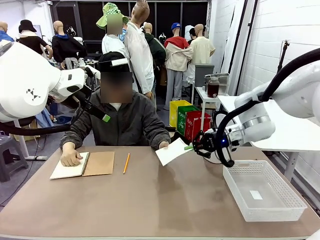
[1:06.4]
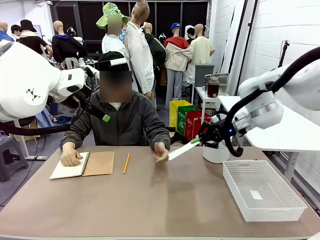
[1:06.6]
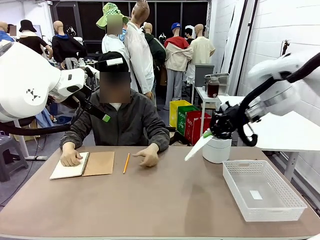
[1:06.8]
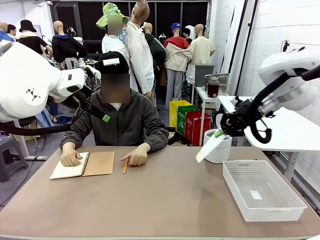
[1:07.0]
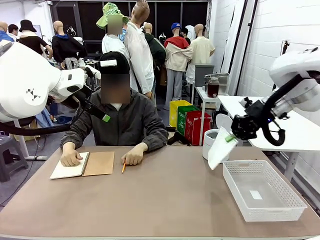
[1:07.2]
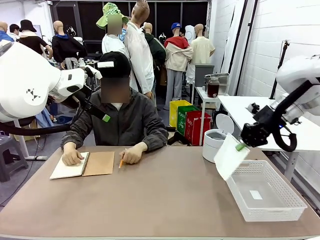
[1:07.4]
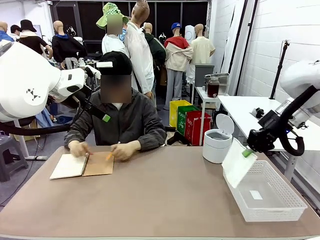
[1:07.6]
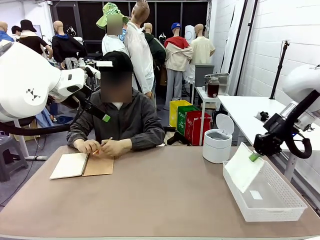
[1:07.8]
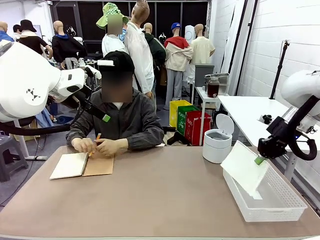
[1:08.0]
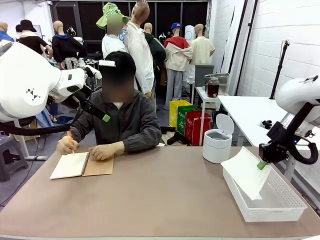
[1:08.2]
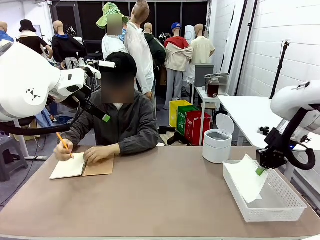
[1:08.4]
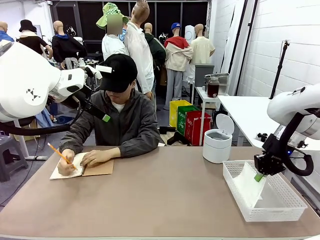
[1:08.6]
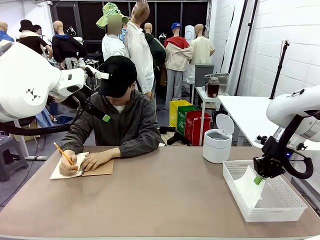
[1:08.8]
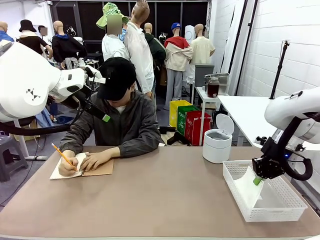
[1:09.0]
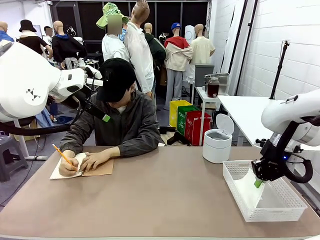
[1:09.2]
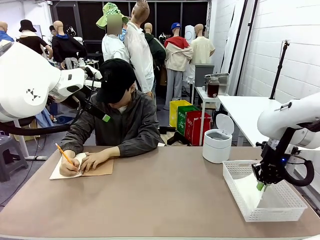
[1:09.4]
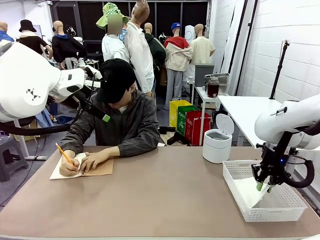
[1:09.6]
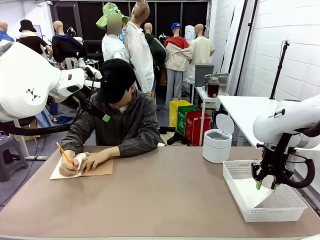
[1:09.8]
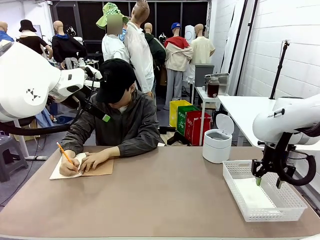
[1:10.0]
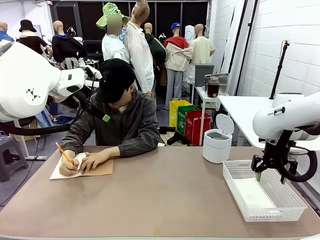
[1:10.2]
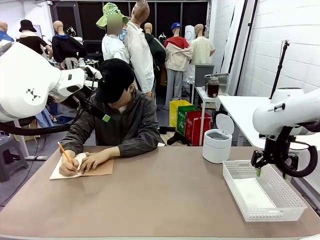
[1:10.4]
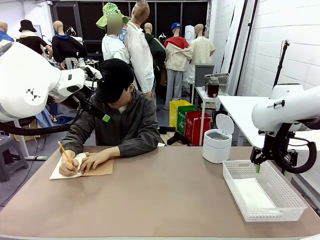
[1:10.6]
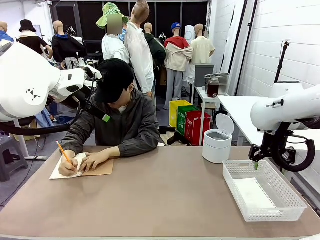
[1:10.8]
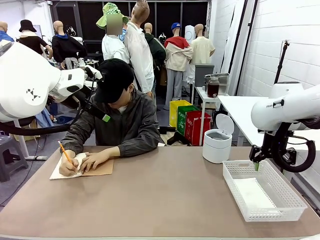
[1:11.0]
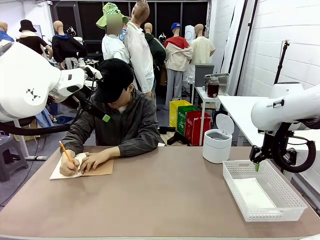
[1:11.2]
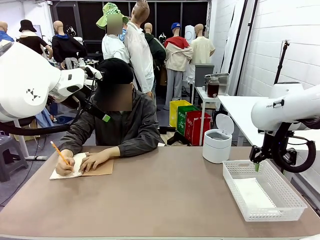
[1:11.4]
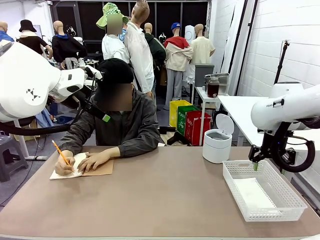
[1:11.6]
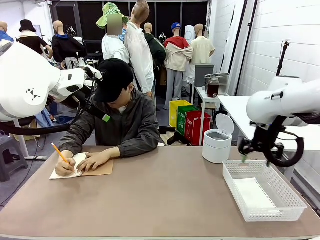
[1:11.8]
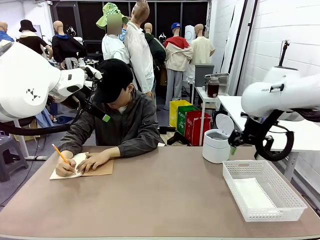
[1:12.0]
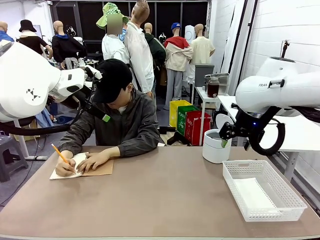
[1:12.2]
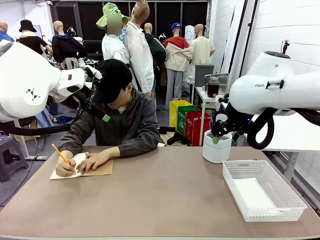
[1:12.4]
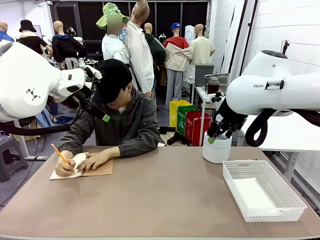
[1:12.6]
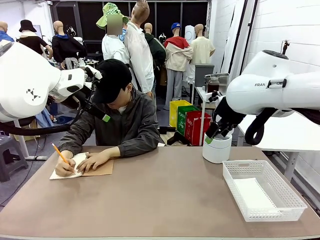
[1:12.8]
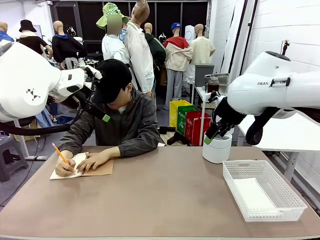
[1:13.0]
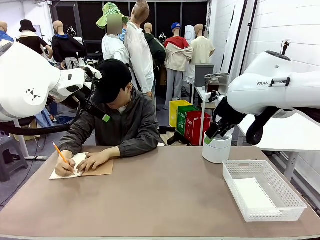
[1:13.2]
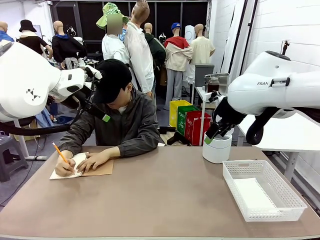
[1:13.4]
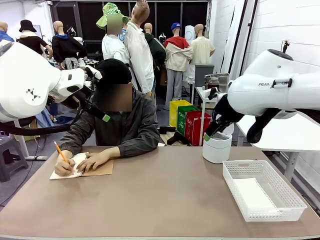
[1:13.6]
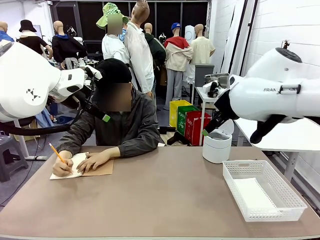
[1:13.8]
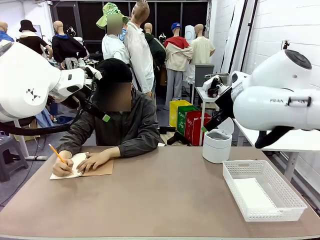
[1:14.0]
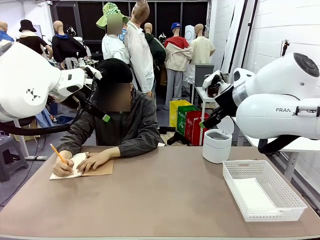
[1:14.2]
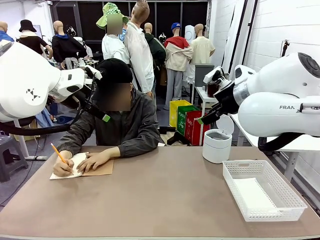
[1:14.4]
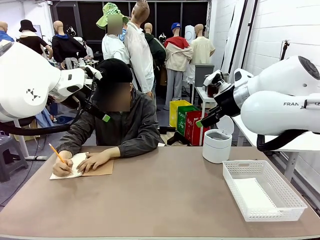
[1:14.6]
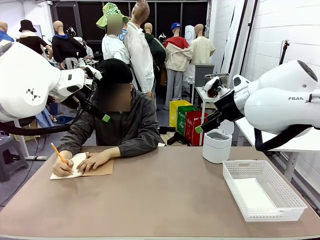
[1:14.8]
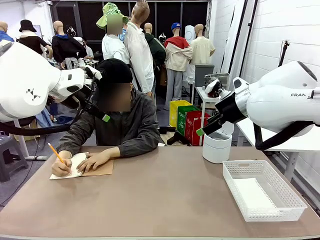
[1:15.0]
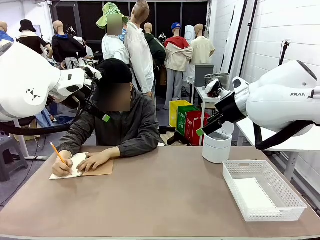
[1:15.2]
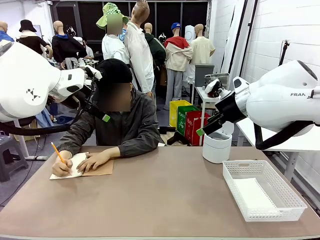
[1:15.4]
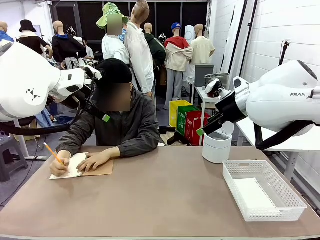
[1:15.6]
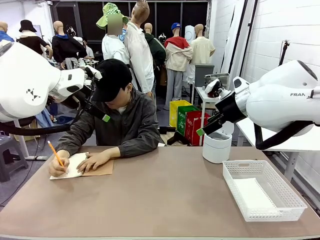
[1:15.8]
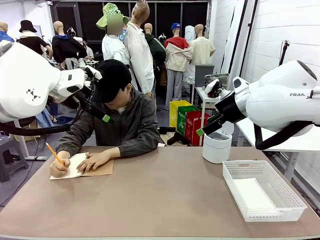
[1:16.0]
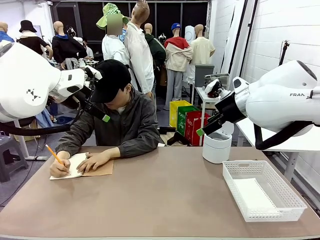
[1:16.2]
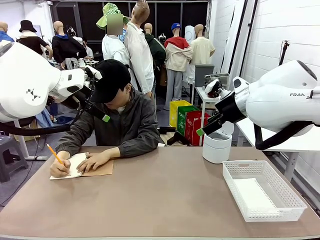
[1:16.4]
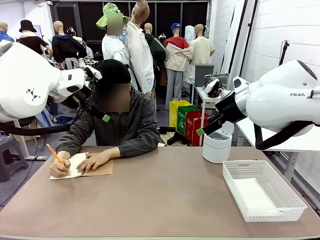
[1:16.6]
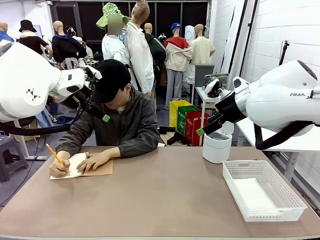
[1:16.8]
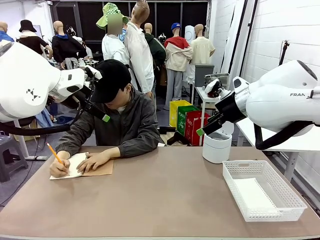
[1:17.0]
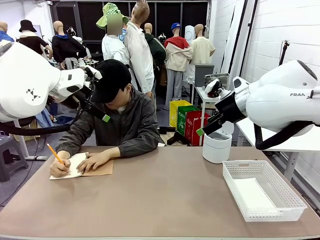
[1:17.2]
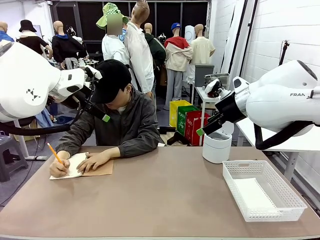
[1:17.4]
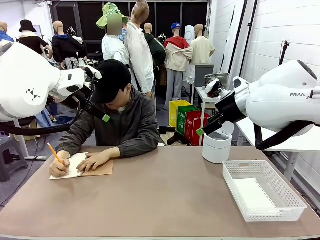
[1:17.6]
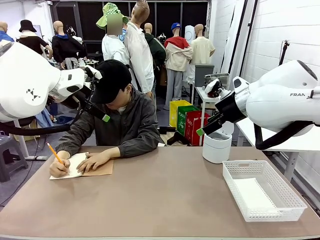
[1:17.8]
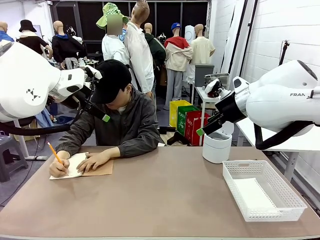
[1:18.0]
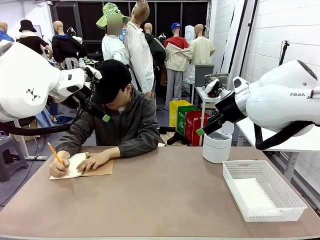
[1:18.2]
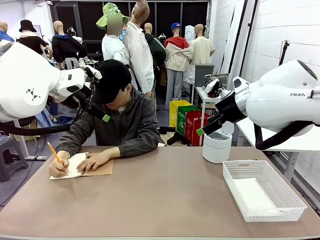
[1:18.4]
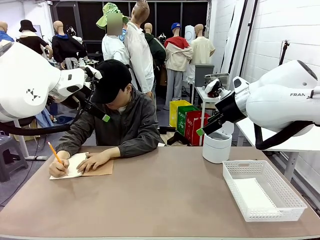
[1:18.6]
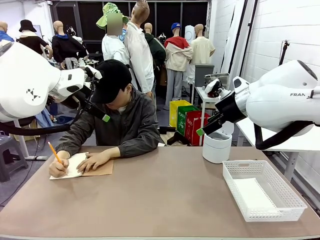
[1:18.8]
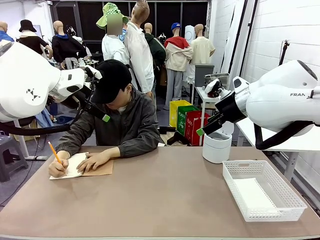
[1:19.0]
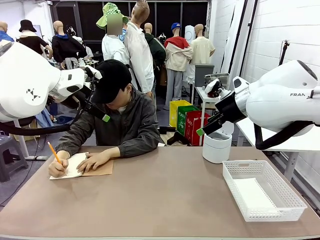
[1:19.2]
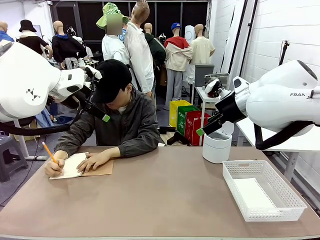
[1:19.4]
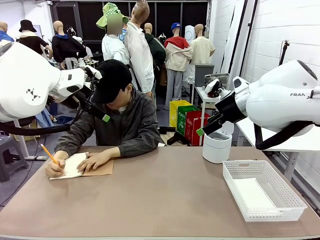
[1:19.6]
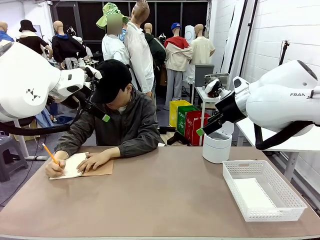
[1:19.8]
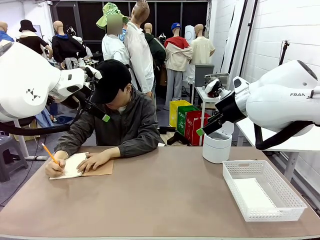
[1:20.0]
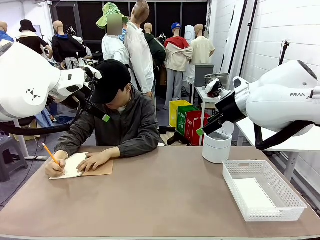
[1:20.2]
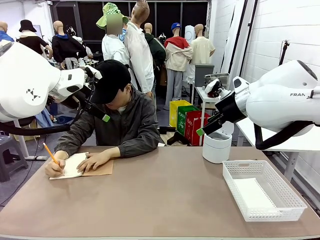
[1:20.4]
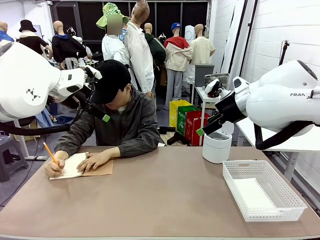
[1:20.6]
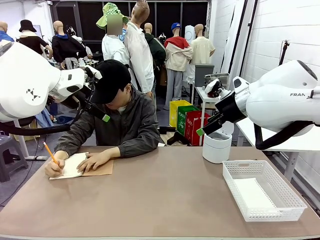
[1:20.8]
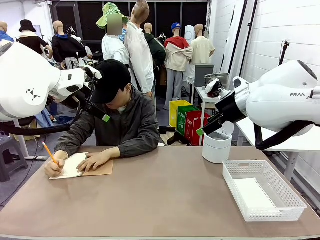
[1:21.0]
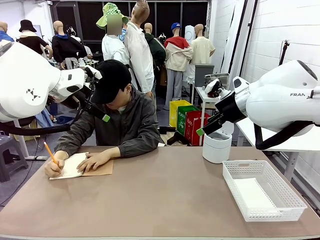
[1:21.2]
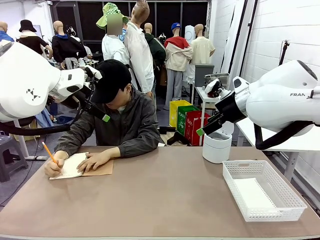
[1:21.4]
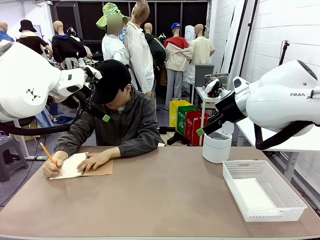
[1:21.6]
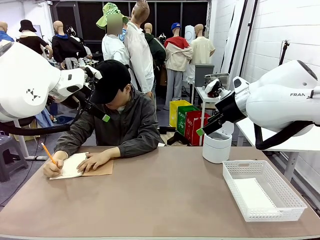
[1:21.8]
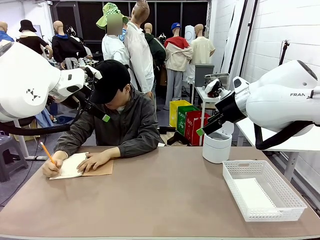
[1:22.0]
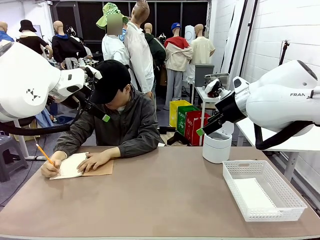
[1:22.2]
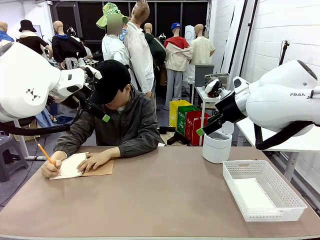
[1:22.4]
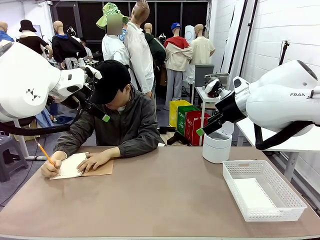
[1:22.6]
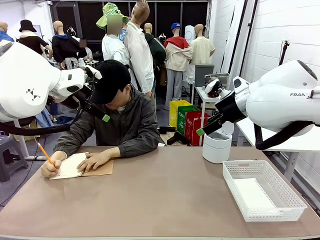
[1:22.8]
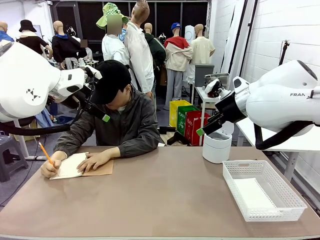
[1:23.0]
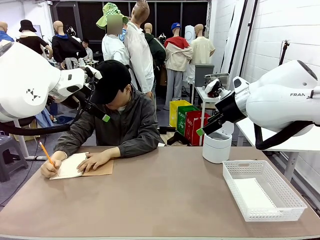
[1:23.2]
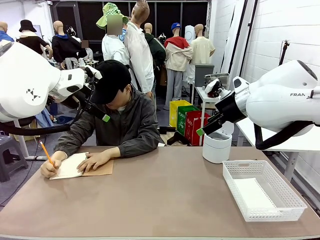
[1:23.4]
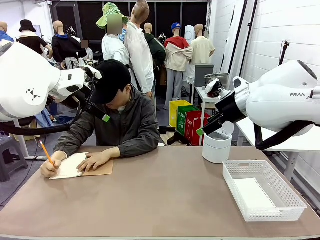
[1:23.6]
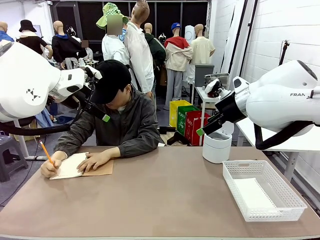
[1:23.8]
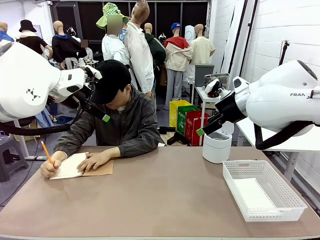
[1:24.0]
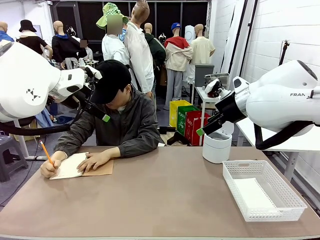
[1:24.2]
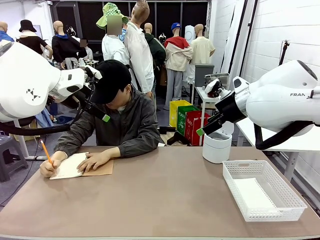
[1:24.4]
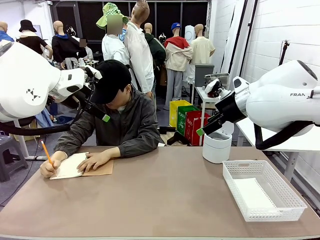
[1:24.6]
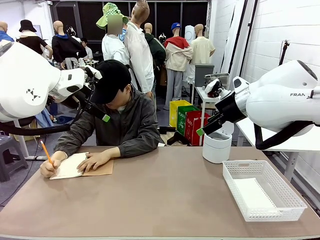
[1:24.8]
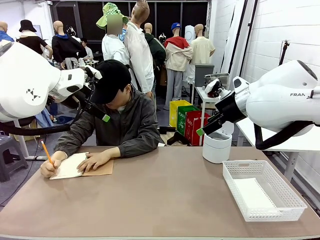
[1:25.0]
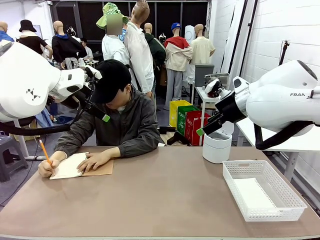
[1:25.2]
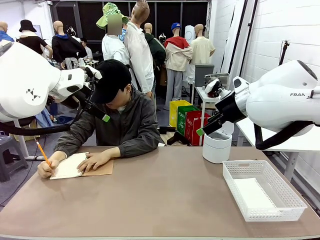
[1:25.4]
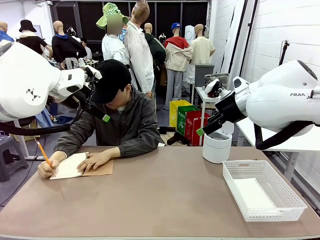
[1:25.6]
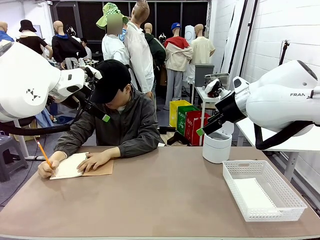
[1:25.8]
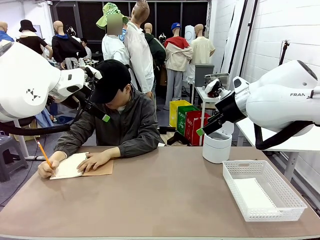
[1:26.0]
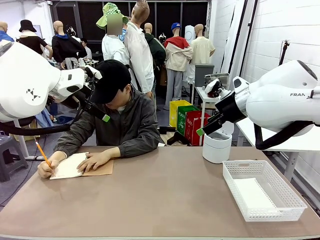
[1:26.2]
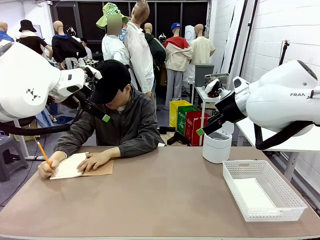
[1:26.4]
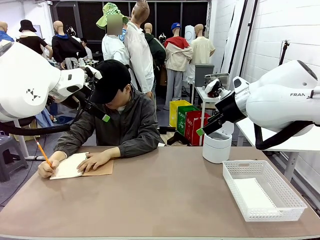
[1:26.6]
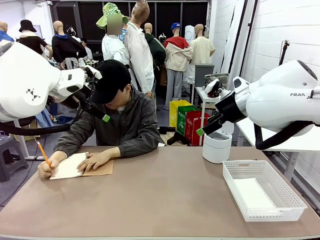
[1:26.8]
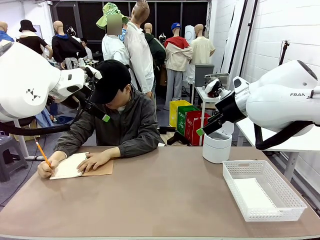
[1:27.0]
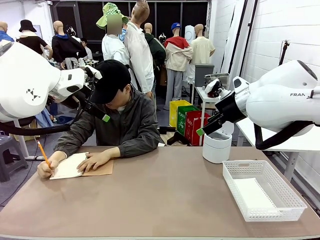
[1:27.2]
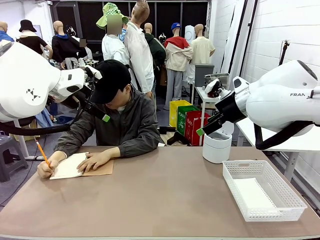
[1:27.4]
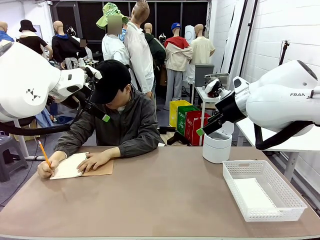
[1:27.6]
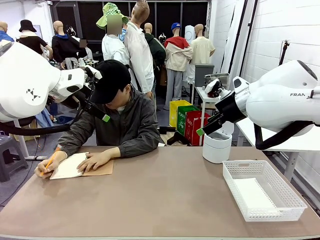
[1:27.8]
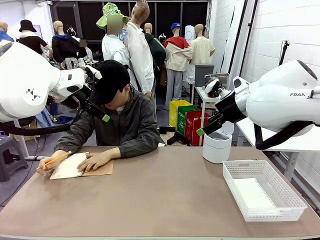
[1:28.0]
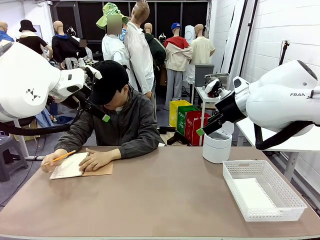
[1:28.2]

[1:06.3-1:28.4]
Task: Sort the paper based on its condition.
Robot: If a person hands you a paper, place it in the Organizing basket , and if it's crumpled, put it in the Trash can.
Person: Tear out a page from the spiral notebook.
